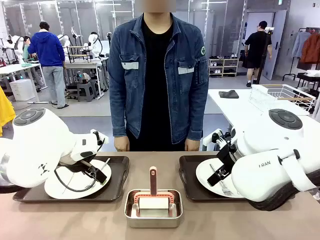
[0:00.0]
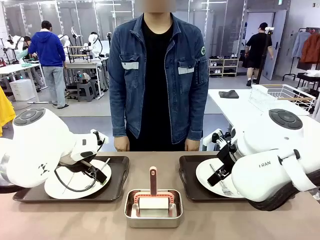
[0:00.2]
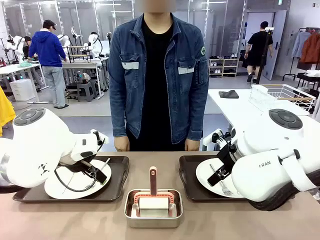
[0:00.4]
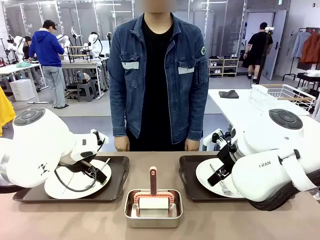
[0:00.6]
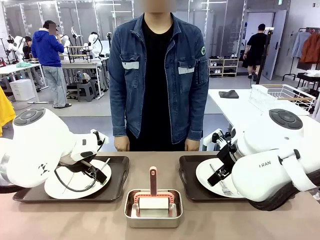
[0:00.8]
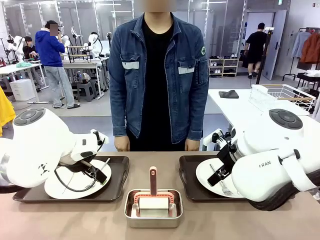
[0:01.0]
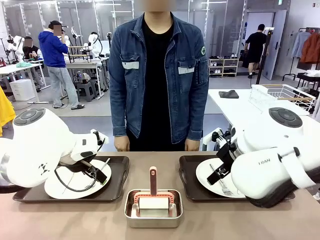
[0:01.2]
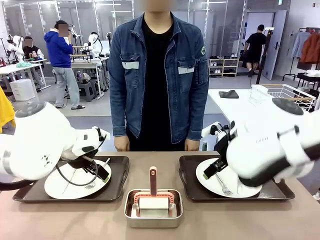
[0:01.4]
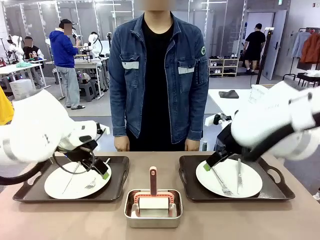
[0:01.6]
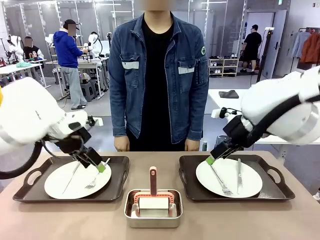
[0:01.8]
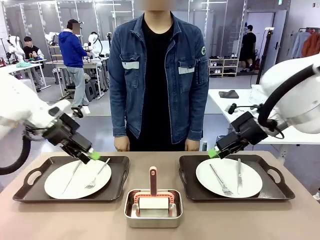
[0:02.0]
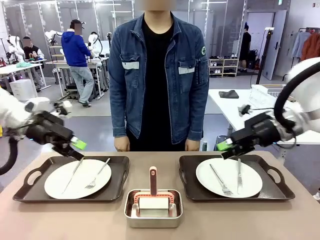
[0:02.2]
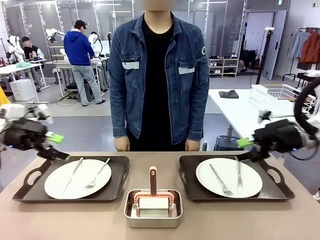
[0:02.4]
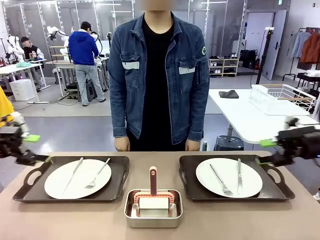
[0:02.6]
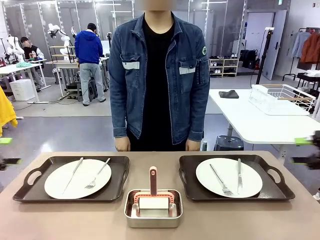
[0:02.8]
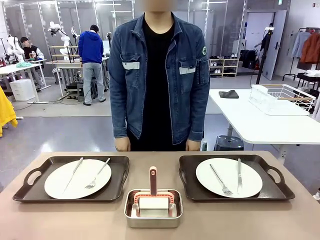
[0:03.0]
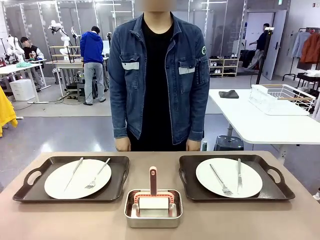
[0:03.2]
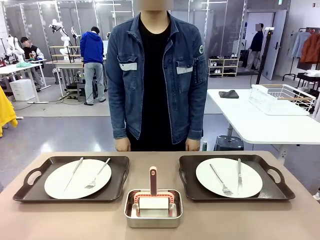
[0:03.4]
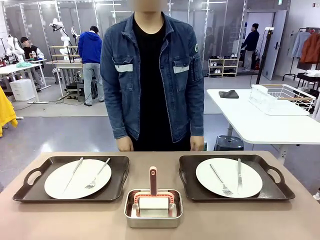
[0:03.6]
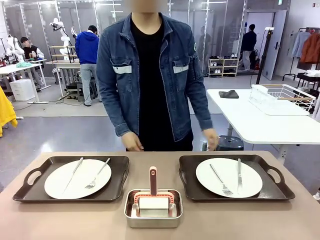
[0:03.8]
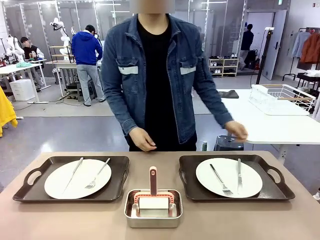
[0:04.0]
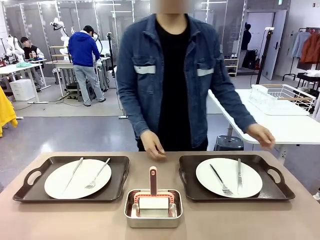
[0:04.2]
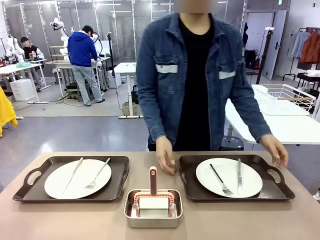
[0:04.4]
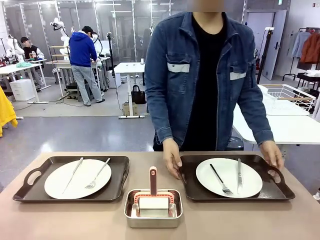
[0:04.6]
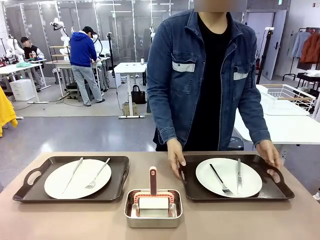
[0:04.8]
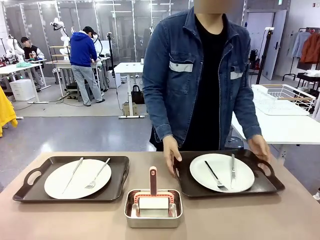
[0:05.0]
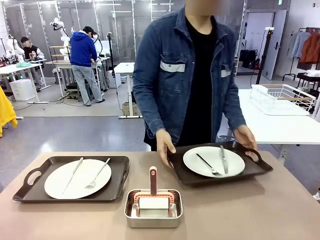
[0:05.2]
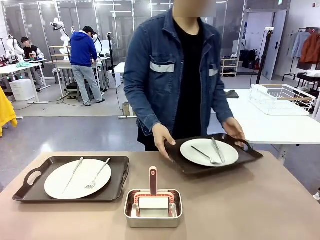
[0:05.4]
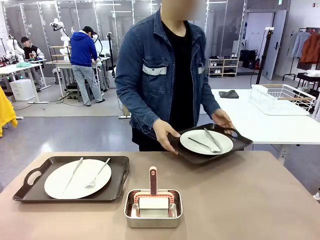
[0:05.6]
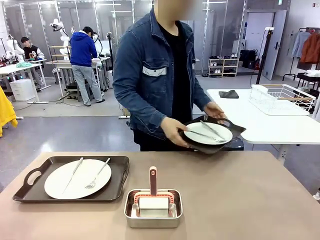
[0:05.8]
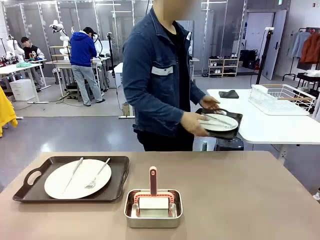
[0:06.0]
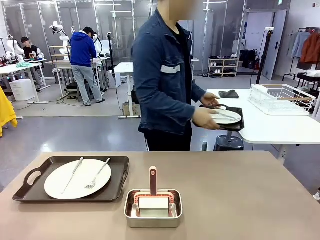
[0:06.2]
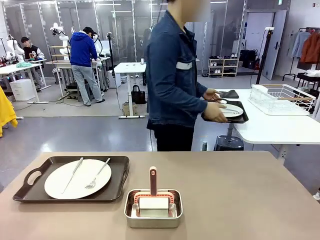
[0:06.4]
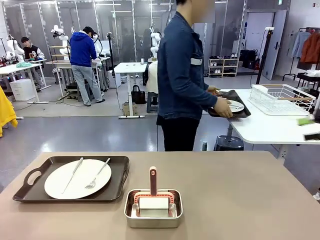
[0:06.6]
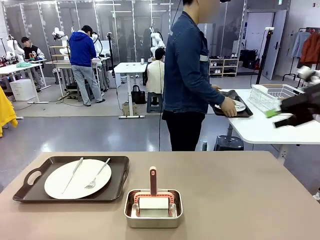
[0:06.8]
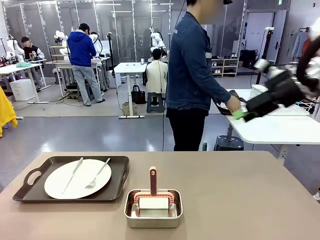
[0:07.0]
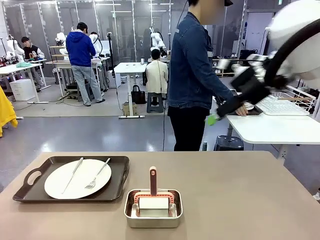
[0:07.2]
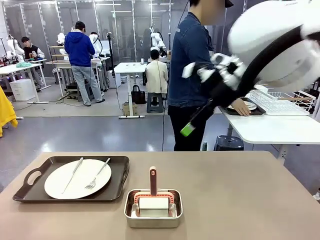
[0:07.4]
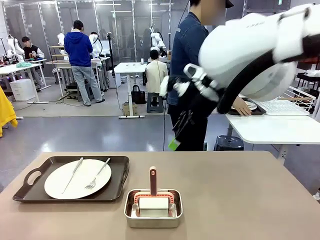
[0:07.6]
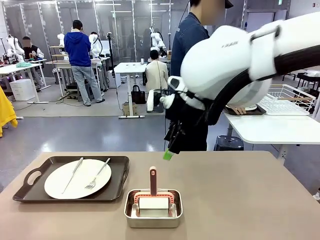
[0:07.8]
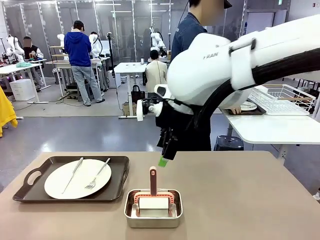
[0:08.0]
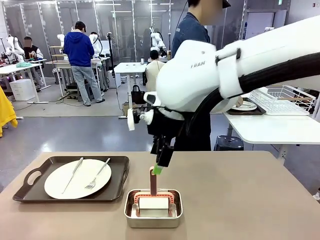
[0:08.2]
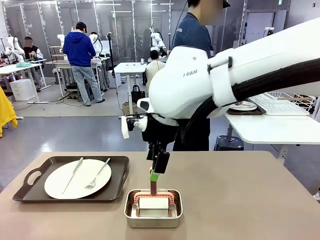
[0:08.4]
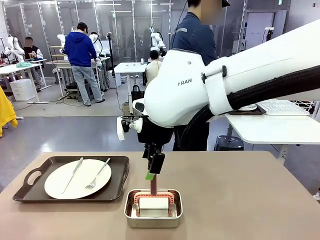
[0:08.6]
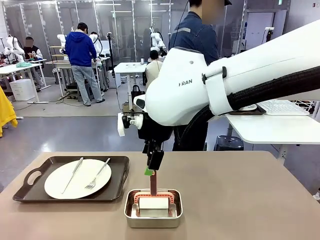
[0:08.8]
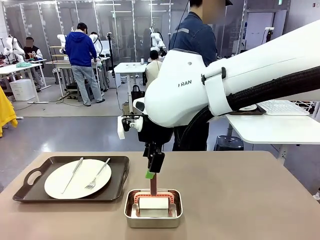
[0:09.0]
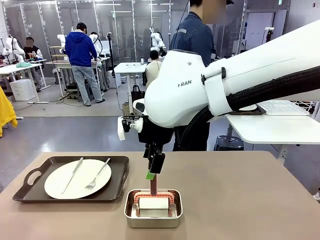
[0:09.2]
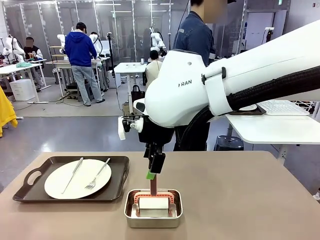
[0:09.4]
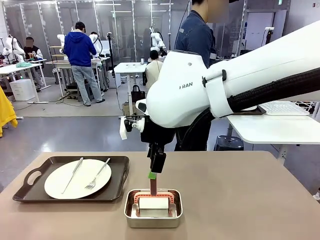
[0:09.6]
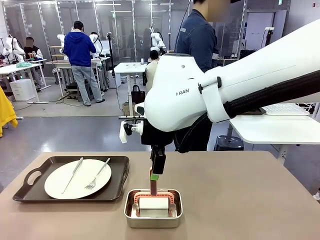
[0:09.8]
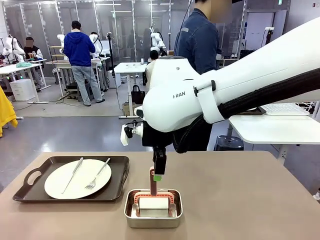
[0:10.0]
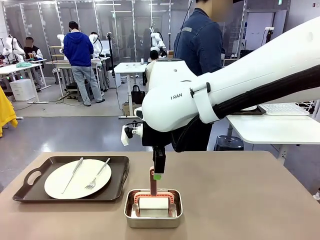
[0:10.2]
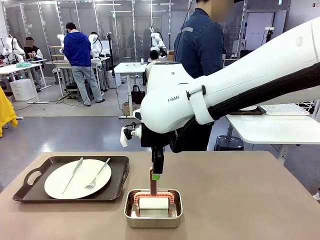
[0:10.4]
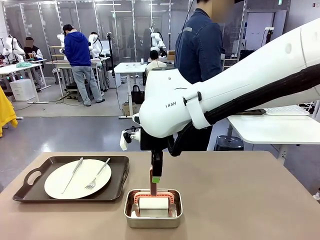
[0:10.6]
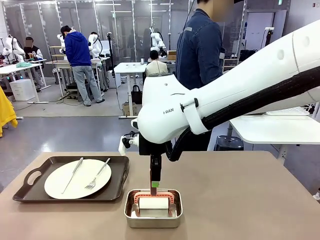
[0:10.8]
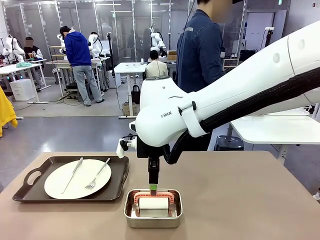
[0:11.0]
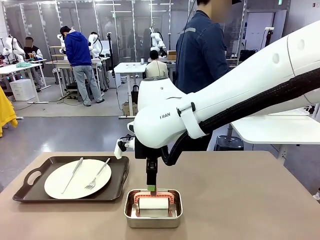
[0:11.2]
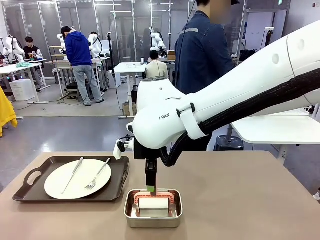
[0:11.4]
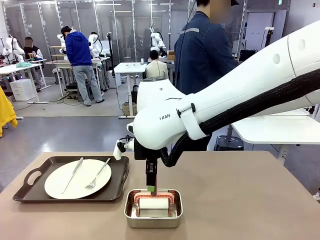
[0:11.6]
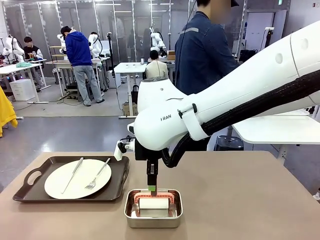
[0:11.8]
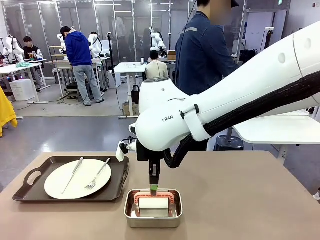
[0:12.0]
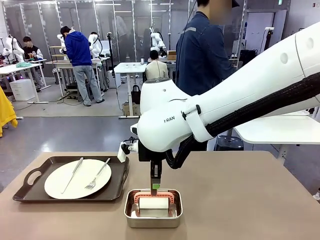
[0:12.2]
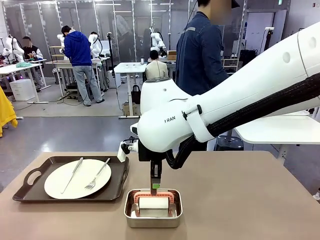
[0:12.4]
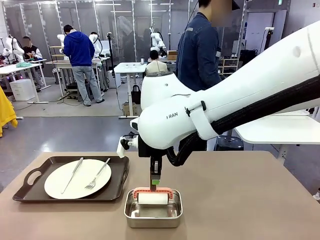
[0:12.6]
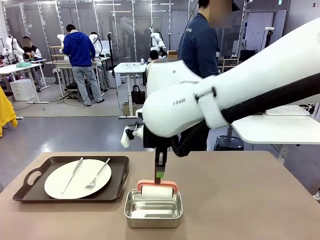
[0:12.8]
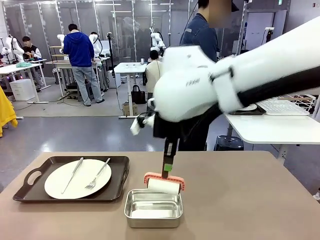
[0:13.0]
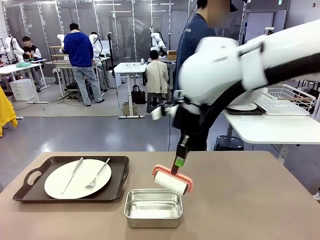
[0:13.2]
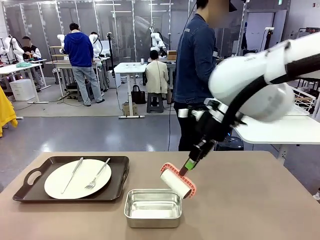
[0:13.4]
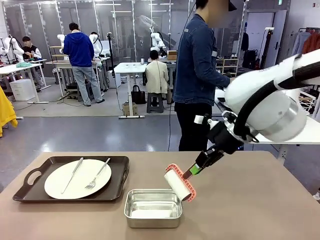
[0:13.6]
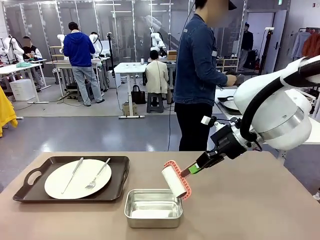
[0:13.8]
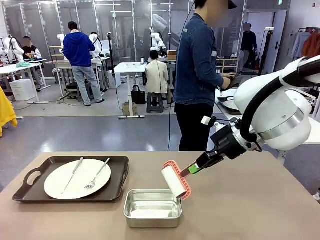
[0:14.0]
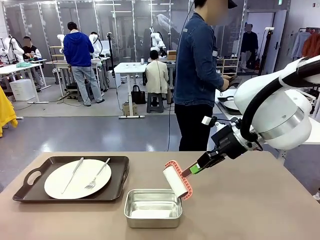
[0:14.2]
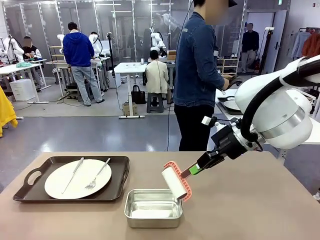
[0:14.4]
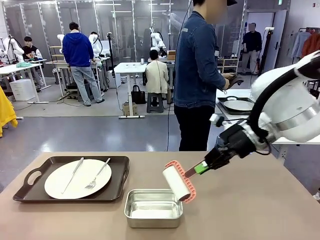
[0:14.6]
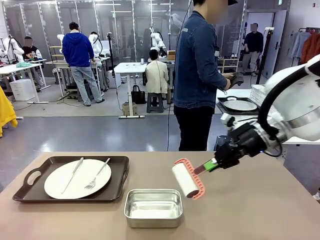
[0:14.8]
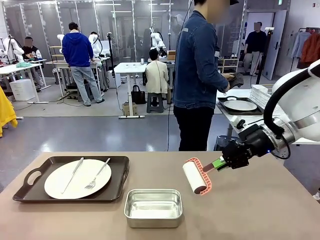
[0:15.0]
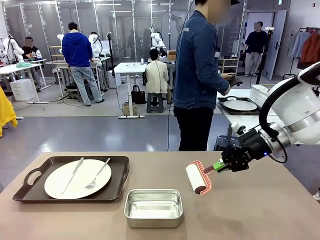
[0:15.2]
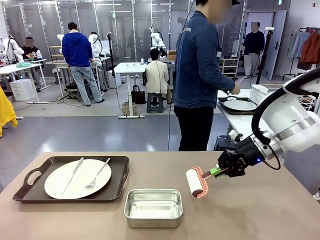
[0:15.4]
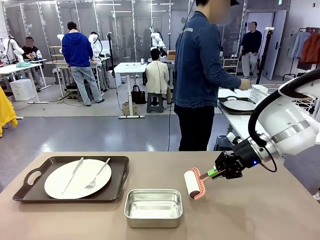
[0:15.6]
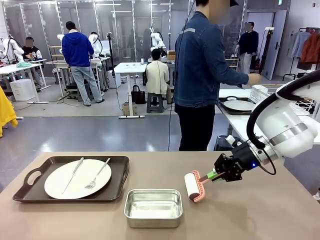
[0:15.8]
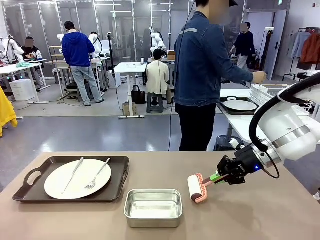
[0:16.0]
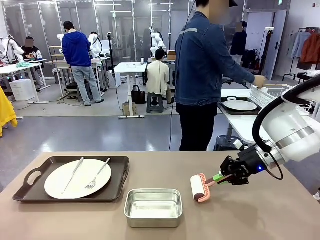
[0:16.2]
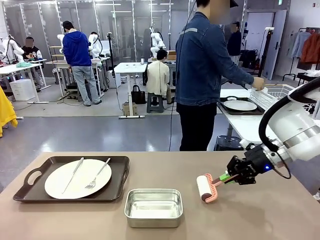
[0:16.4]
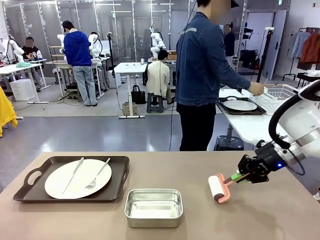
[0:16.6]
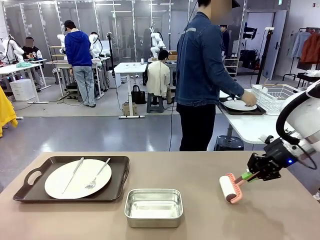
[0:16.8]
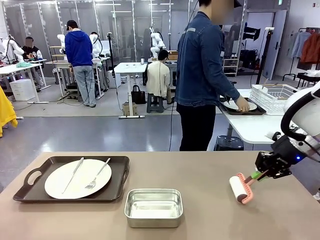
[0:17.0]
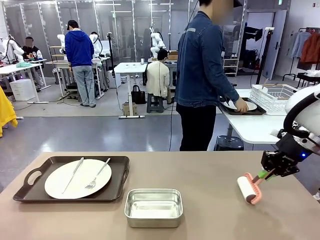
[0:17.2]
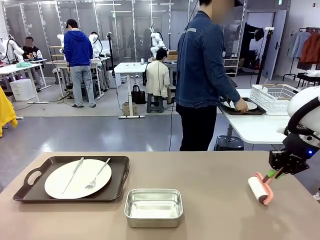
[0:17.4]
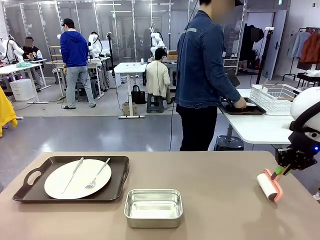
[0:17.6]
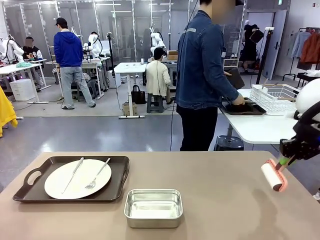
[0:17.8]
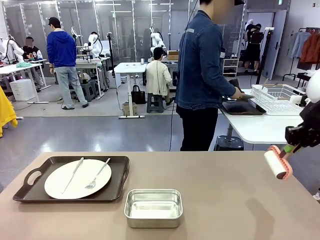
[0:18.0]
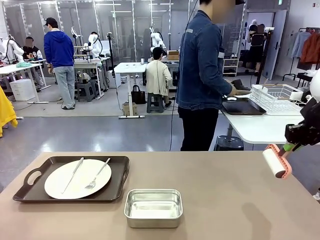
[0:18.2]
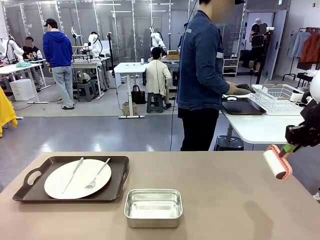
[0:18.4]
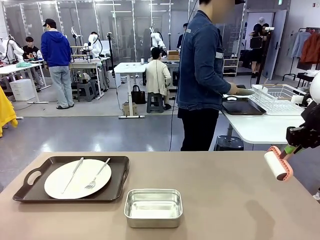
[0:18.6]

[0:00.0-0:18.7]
Robot: When the left (or right) Handle tray is removed, use the left hand (or right hand) to clean the left (or right) side of the table with the Lint Roller.
Person: Pick up the left (or right) Handle tray and place it on the middle of the Human's table. Use the Towel with hook to wipe the Plastic Matte Plate , Fork , and Knife and place into the Dish drying rack.

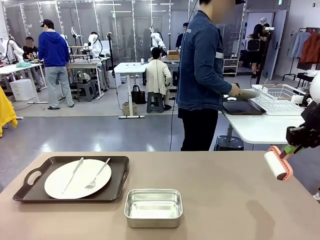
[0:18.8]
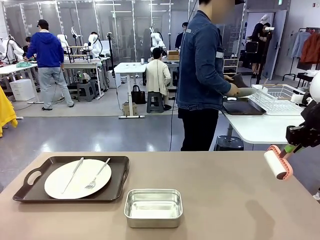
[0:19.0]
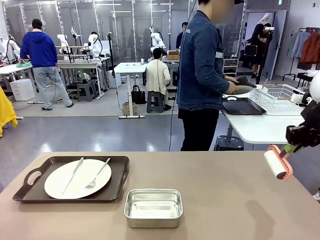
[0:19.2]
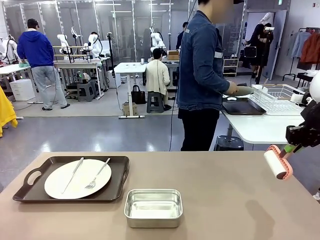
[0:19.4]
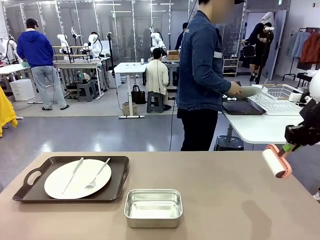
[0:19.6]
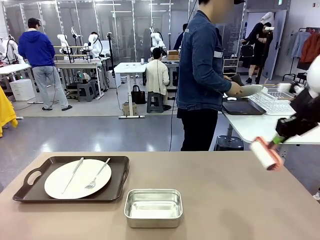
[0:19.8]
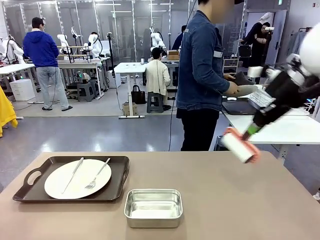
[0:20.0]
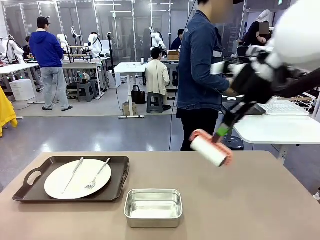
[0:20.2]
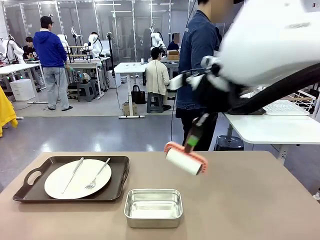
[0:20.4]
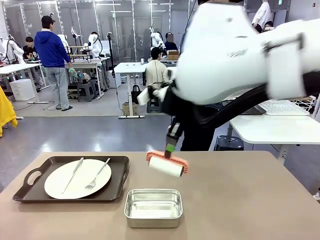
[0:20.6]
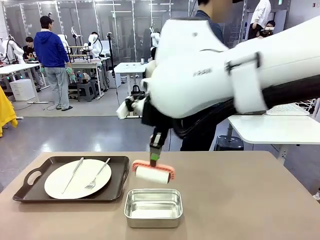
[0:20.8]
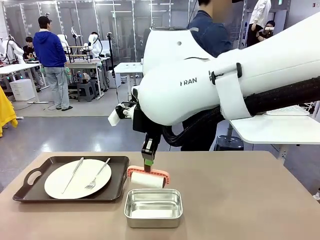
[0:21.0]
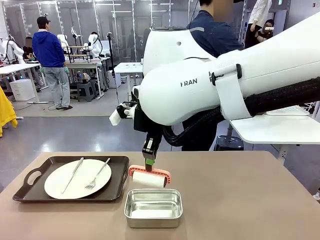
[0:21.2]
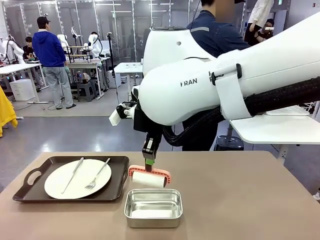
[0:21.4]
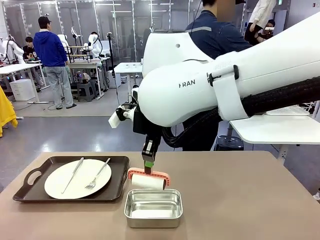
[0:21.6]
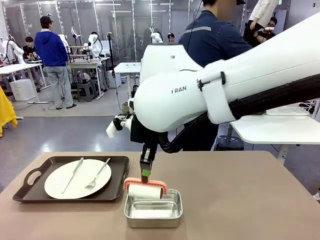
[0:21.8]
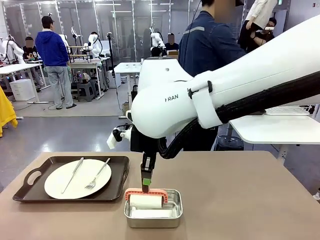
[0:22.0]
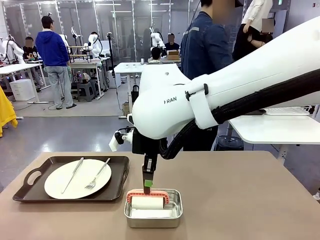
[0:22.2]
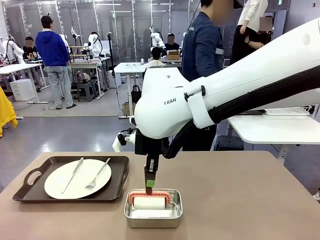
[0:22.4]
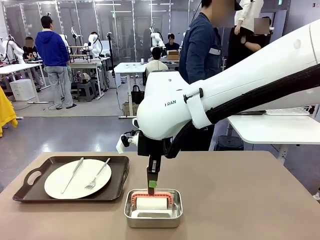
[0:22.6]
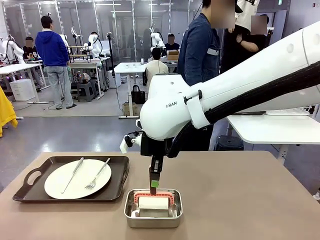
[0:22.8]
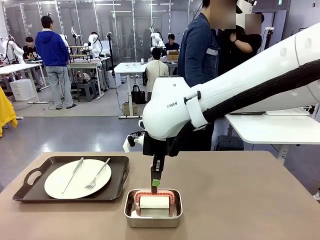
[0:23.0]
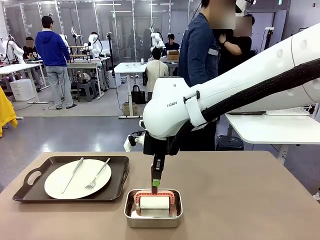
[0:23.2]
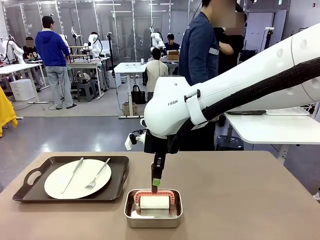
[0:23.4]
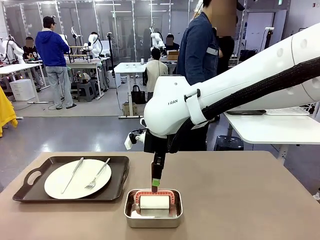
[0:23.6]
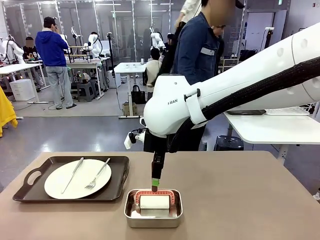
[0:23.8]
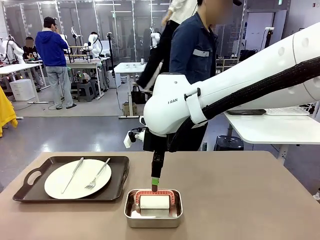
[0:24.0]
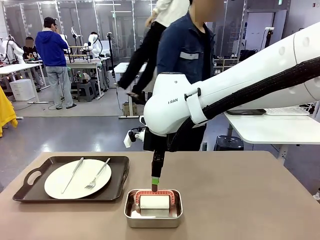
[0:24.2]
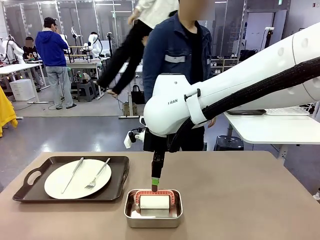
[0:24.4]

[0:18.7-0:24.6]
Robot: Place the Lint Roller back on top of the Airtight Container.
